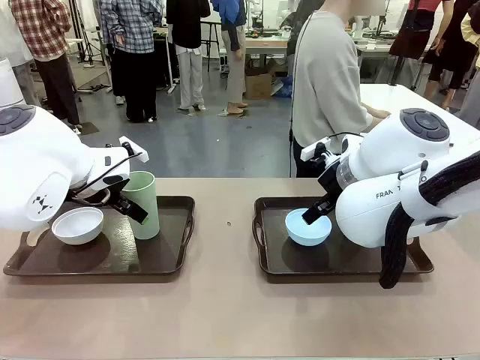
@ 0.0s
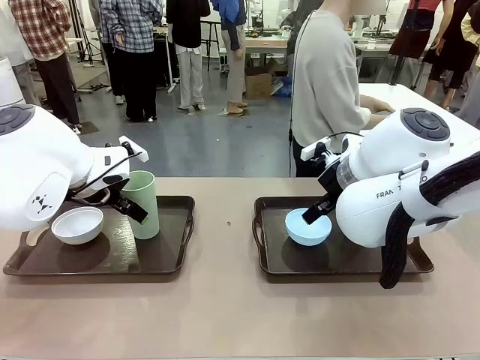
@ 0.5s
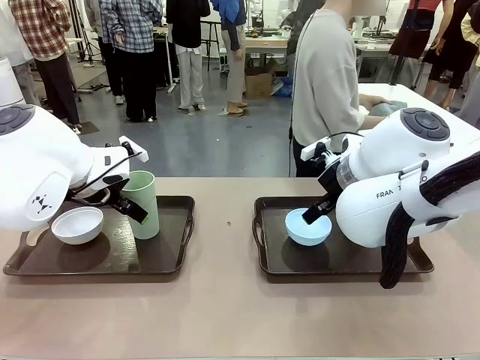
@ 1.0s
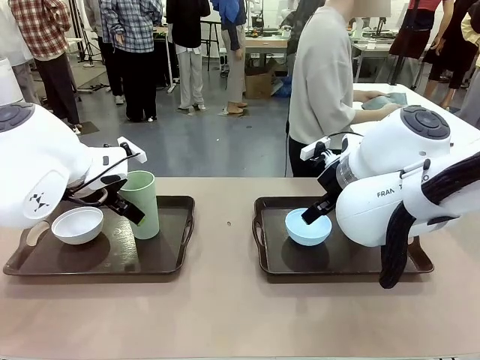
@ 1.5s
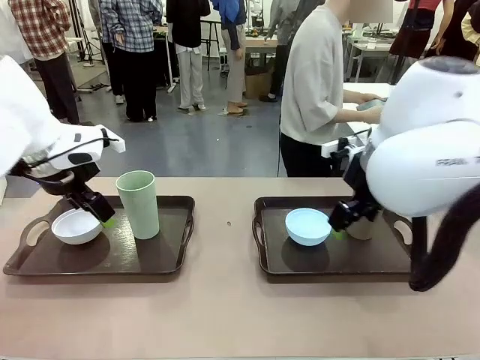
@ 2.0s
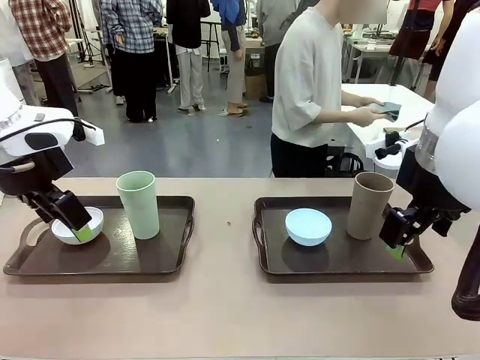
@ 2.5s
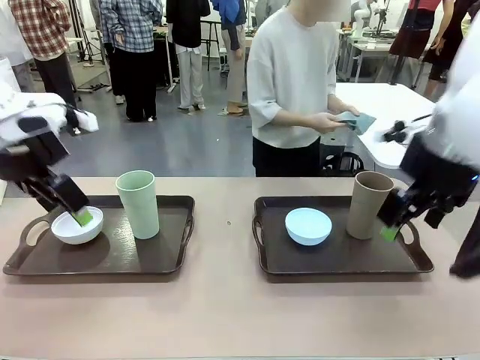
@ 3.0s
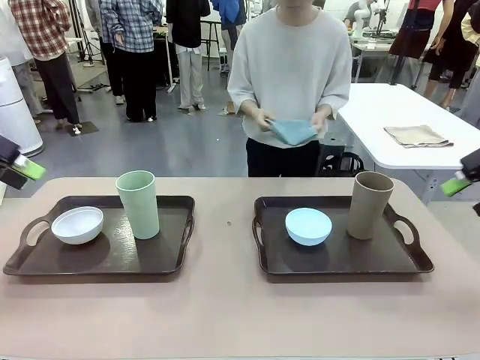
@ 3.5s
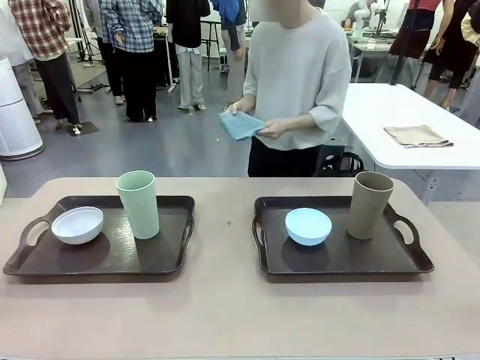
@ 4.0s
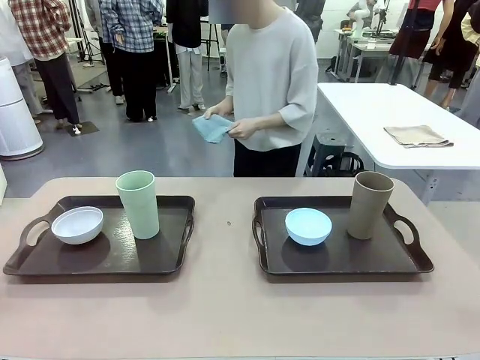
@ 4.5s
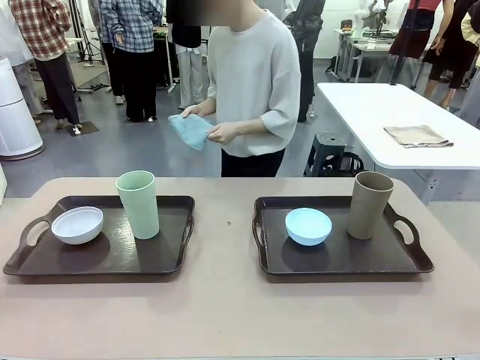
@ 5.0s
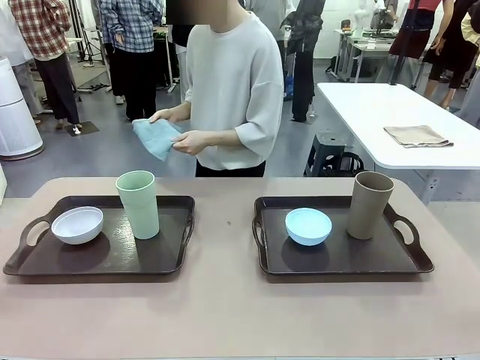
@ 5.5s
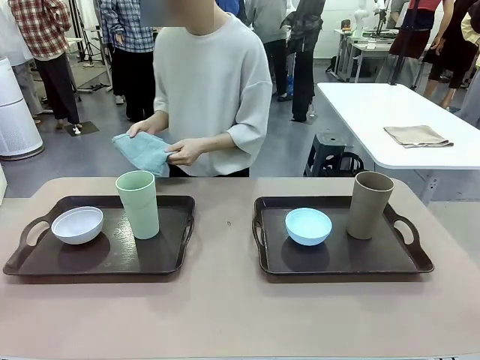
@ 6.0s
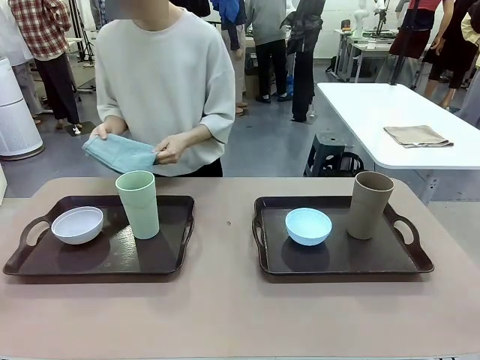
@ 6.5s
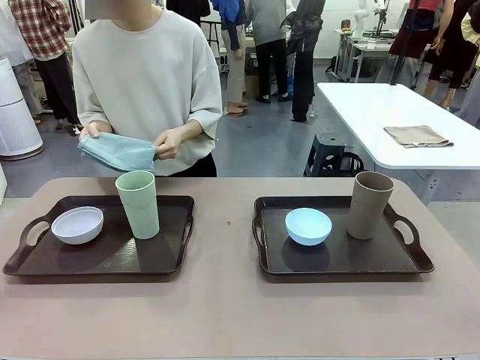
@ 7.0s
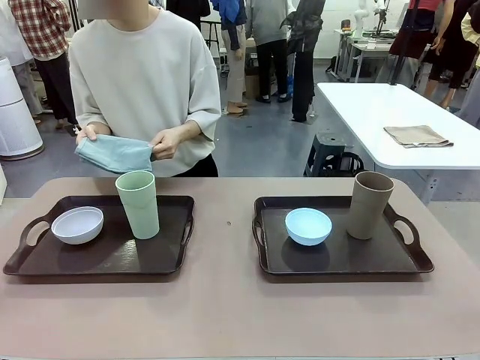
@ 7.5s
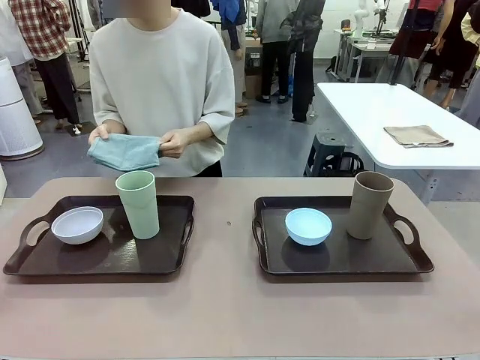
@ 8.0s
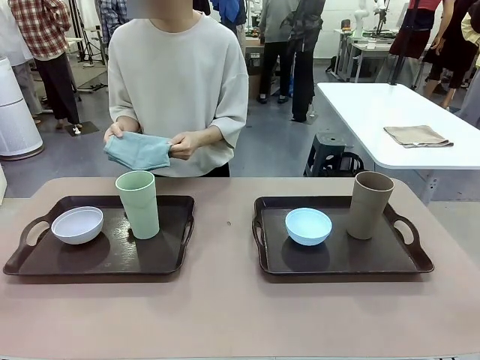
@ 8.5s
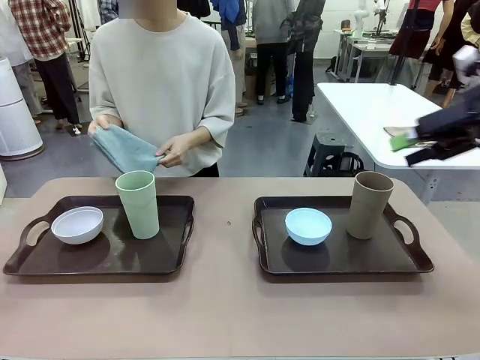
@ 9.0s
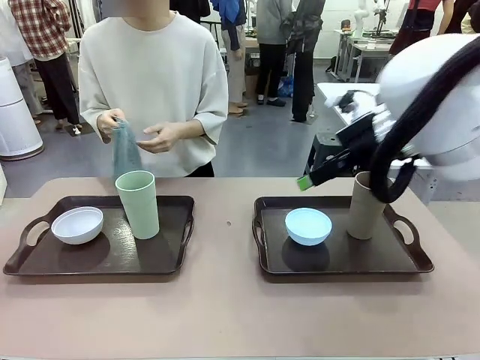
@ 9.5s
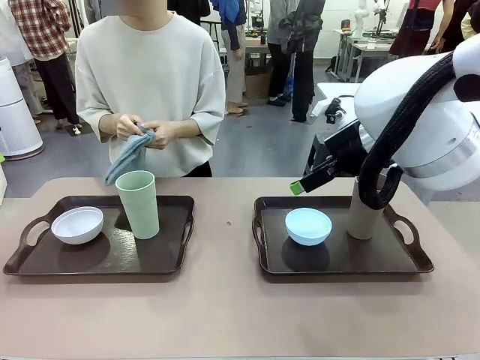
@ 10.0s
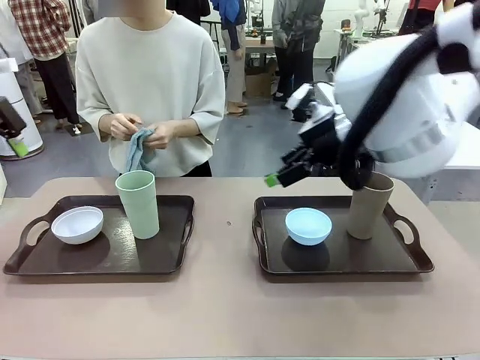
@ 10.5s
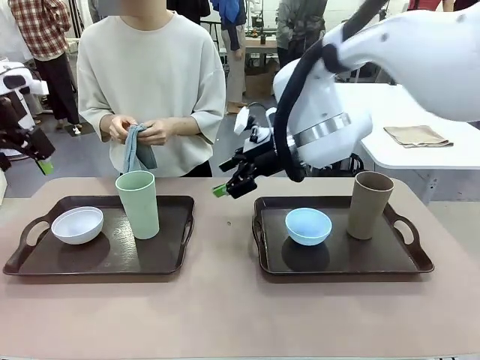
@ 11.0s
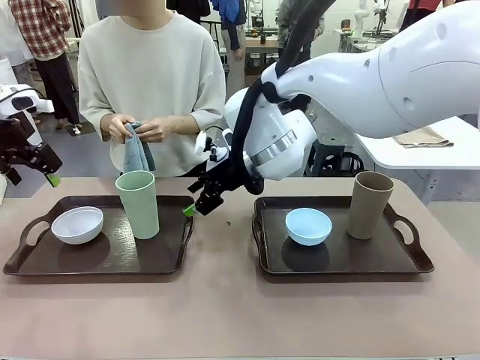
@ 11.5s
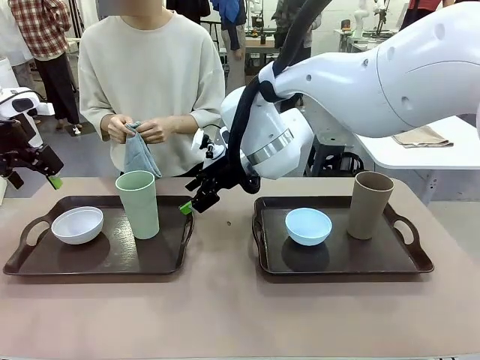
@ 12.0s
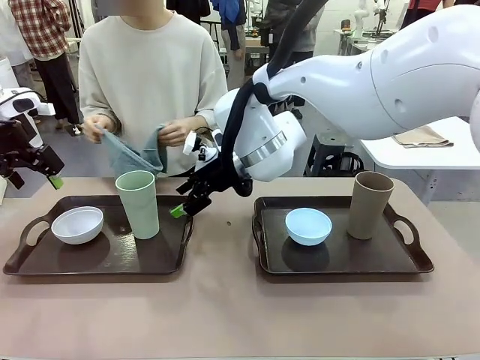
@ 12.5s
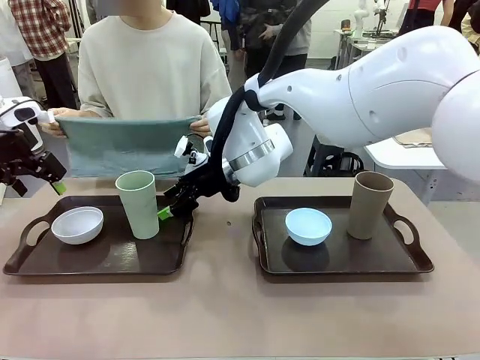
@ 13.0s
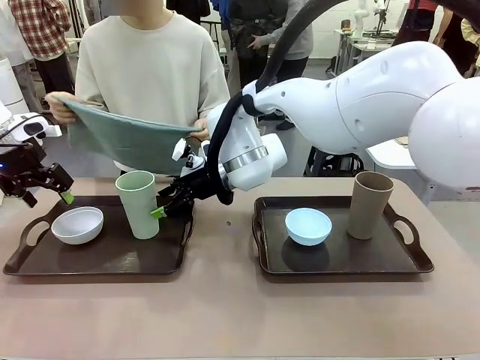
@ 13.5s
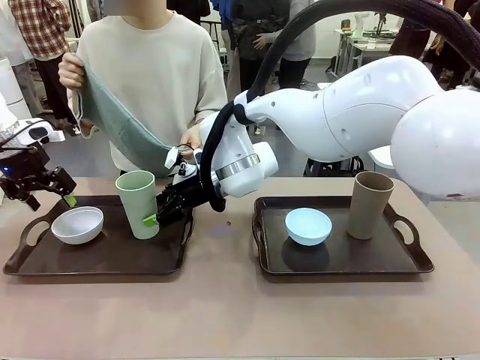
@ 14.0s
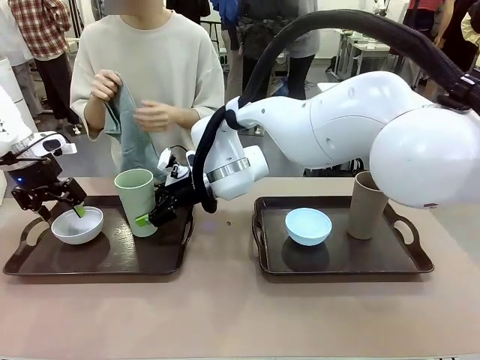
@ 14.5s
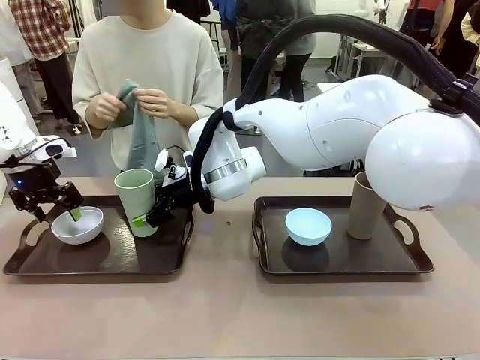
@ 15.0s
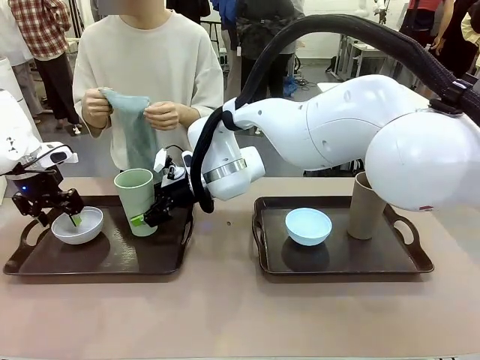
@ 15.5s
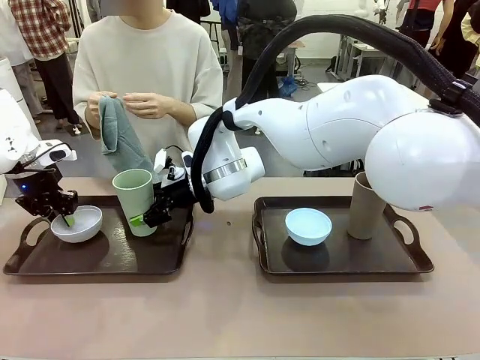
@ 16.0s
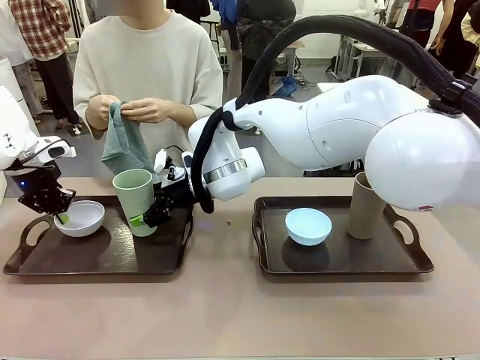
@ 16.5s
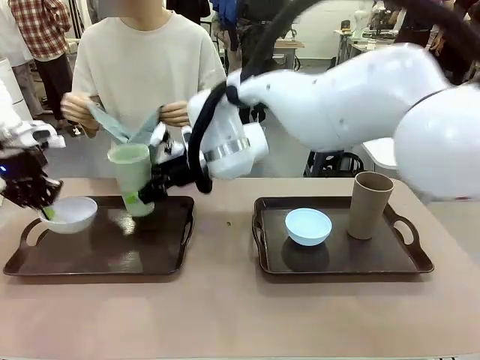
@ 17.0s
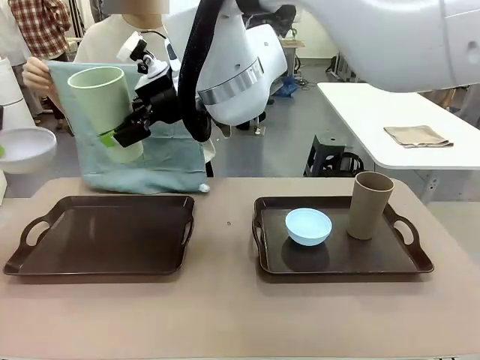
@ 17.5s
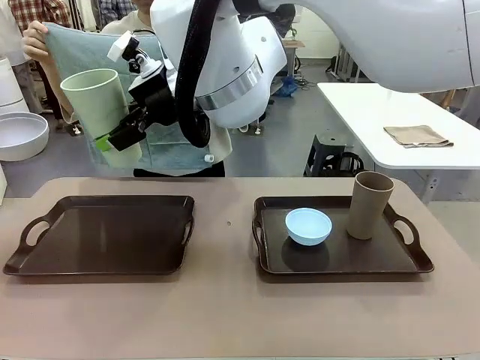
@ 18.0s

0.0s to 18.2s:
Robot: Pick up the Picnic Bowl and Reusable plastic cup from the Handle tray in front of the human's position and hold them in the air.
Person: The human picks up the top napkin from the stack on the human table and walks to the robot table to stand in front of one of the two trays. When the robot lifts the bowl and the cup, the human unfolds the napkin and lays the napkin flat on the tray.

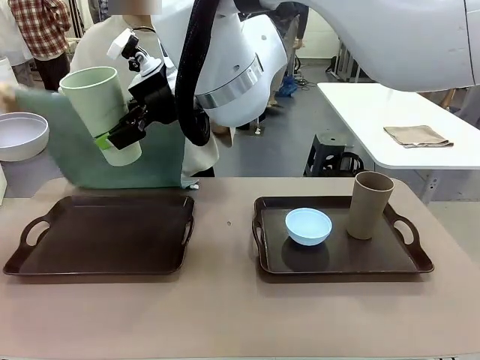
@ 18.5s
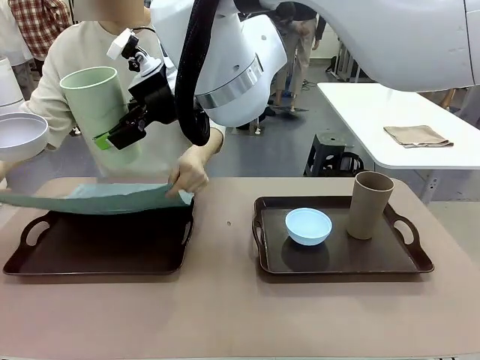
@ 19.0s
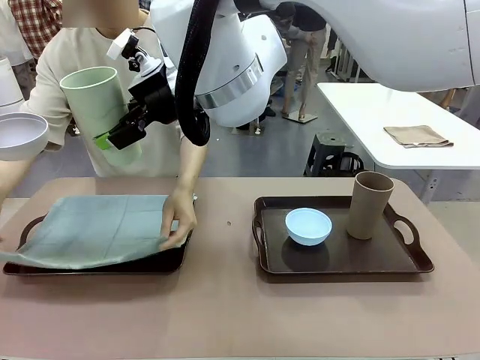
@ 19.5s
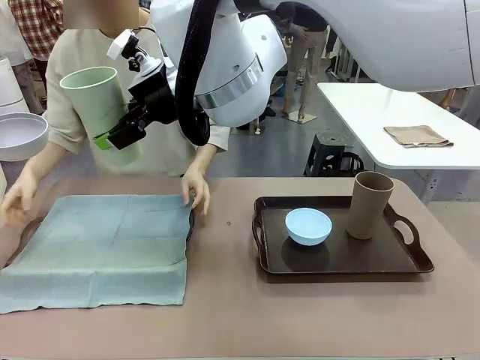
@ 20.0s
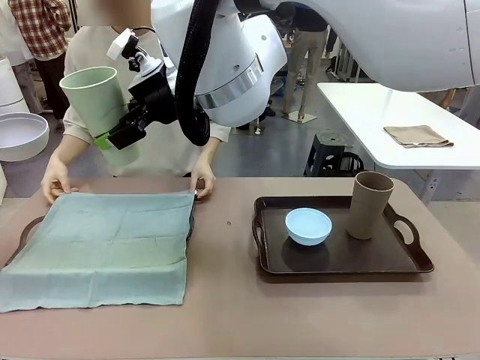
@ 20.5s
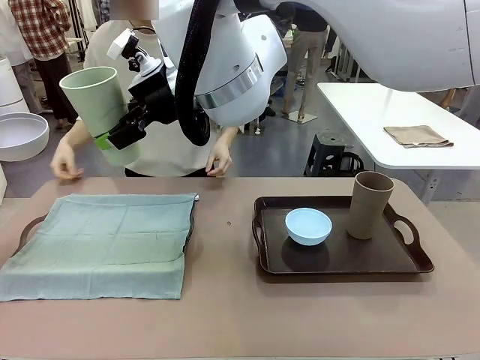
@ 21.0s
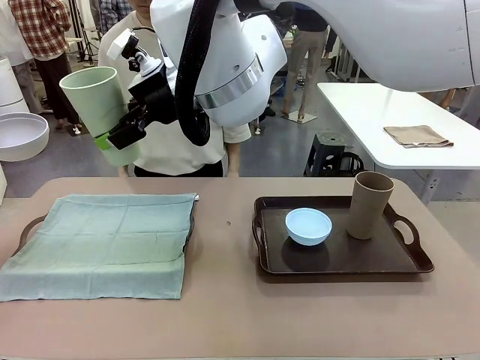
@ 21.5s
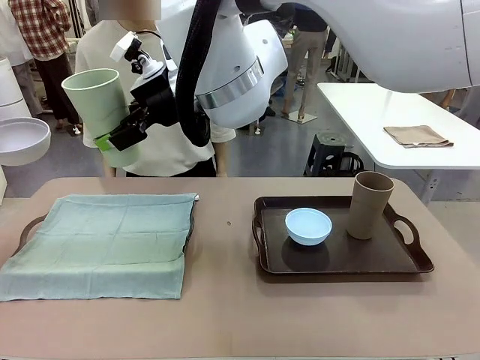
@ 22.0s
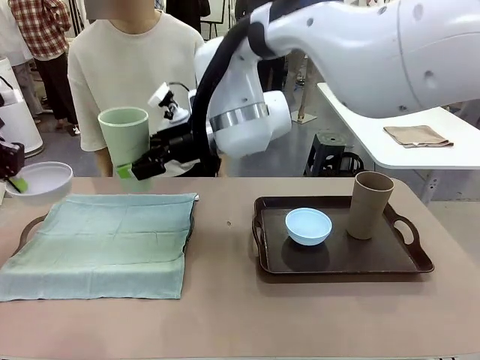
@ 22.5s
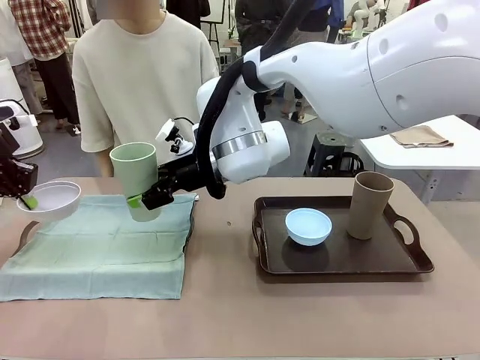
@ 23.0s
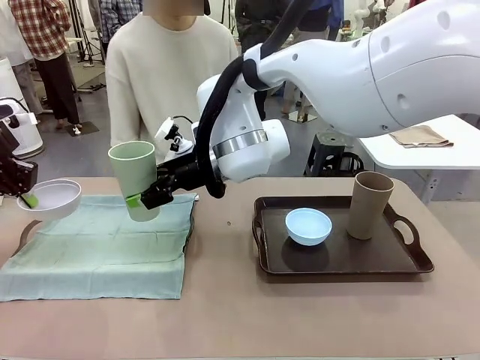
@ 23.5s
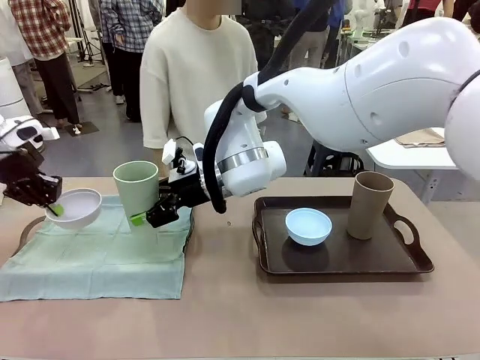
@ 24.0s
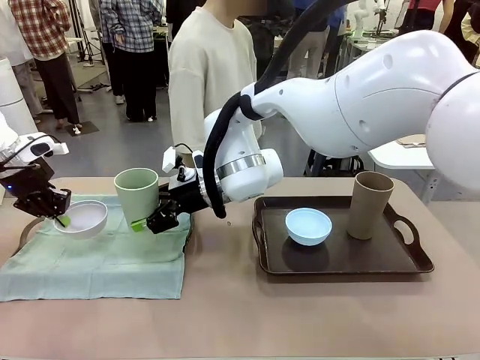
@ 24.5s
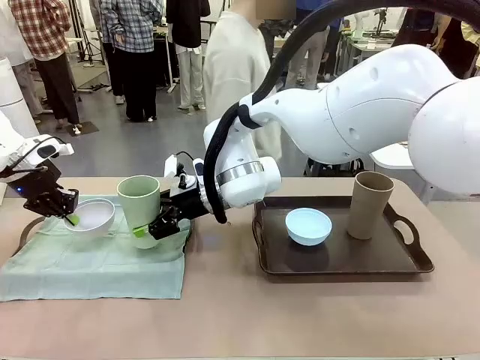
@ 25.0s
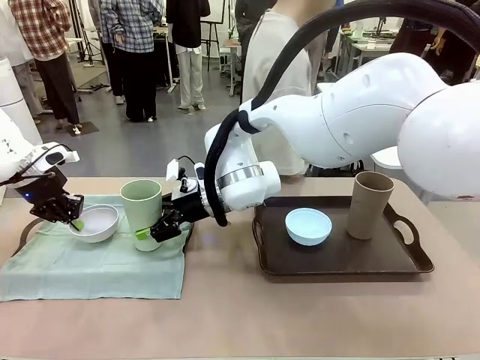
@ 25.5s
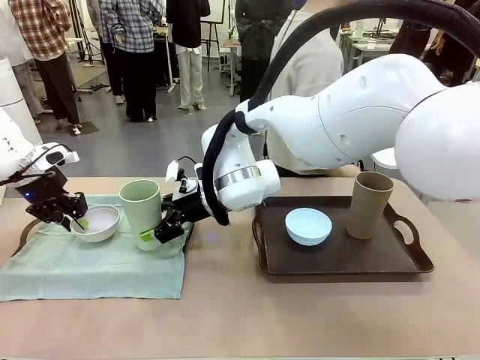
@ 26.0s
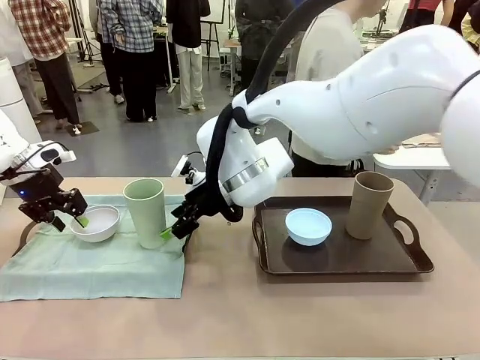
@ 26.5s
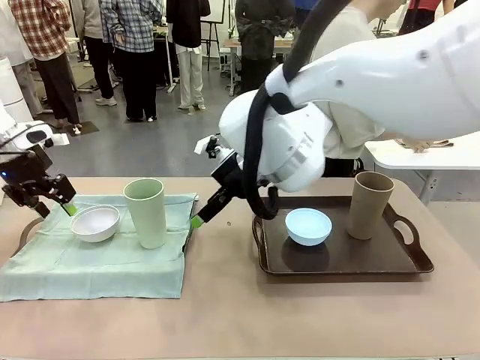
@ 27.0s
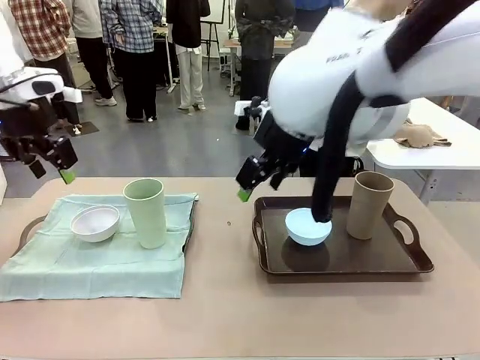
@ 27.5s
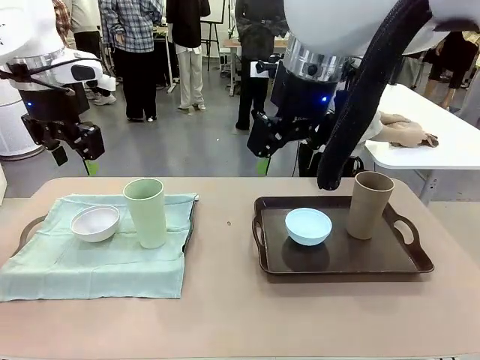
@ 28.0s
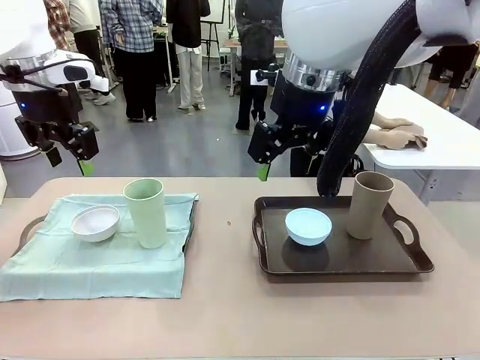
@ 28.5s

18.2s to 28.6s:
Robot: Place the Picnic Bowl and Reusable plastic cup back onto the Handle tray in front of the human's position.
Person: The human returns to the human table to pick up another napkin and walks to the robot table to stand in front of the tray without a napkin.
